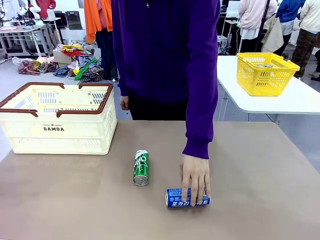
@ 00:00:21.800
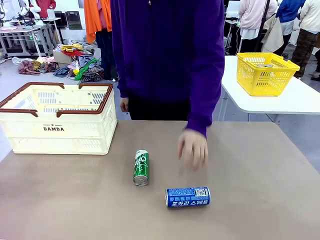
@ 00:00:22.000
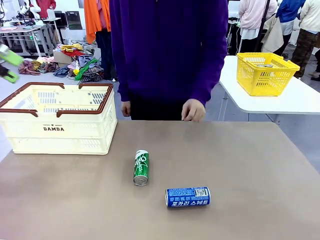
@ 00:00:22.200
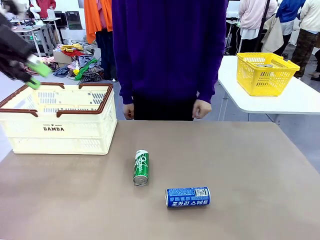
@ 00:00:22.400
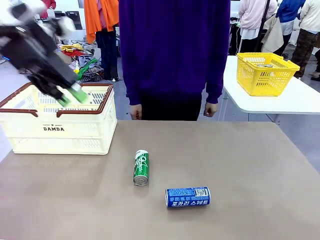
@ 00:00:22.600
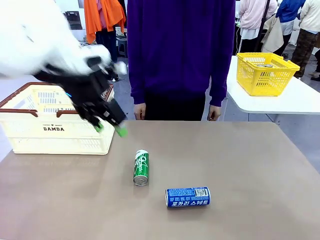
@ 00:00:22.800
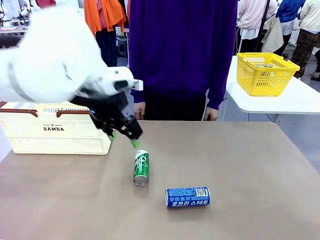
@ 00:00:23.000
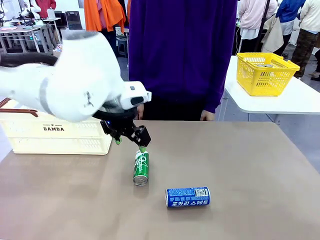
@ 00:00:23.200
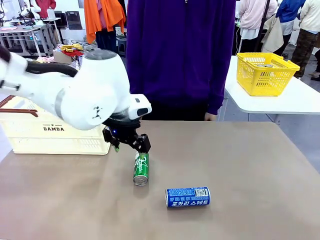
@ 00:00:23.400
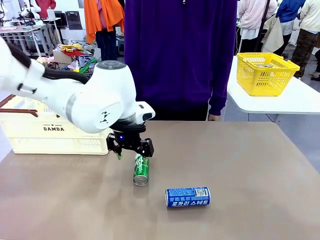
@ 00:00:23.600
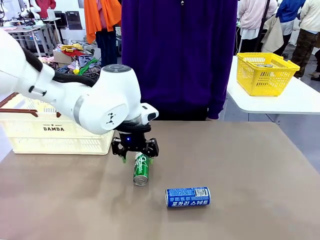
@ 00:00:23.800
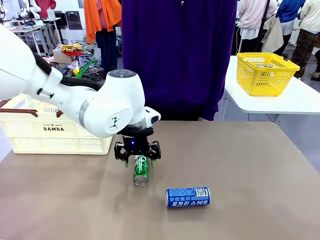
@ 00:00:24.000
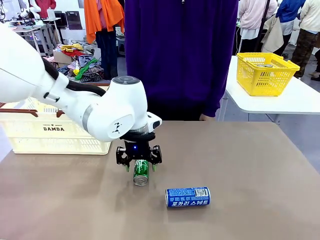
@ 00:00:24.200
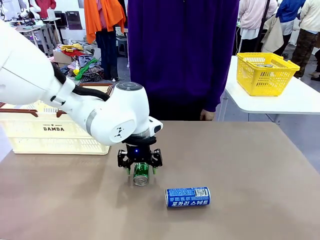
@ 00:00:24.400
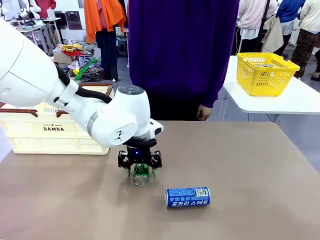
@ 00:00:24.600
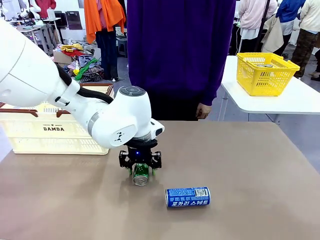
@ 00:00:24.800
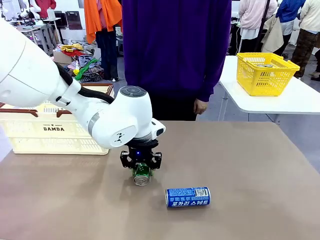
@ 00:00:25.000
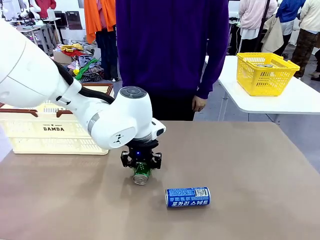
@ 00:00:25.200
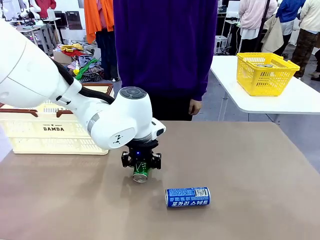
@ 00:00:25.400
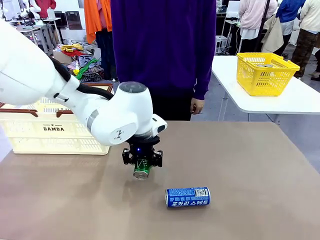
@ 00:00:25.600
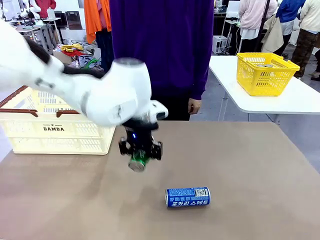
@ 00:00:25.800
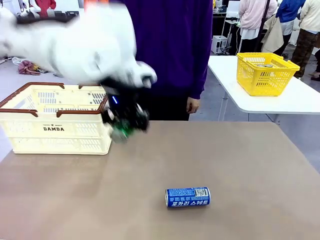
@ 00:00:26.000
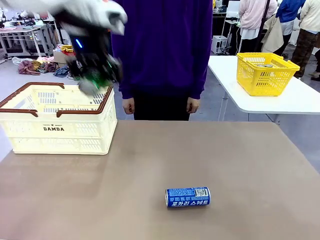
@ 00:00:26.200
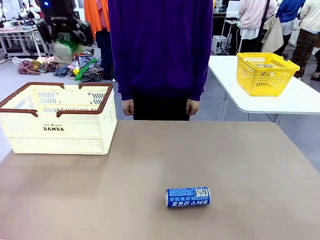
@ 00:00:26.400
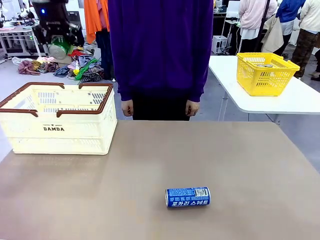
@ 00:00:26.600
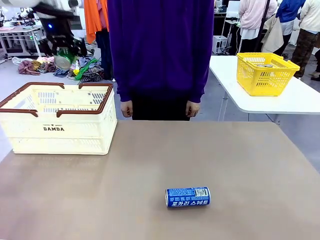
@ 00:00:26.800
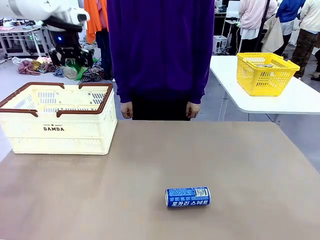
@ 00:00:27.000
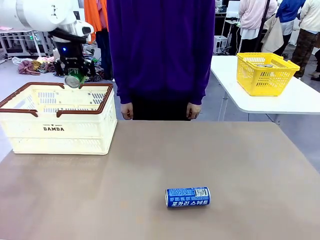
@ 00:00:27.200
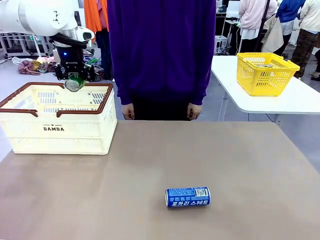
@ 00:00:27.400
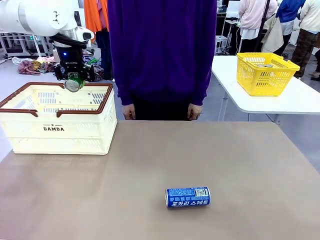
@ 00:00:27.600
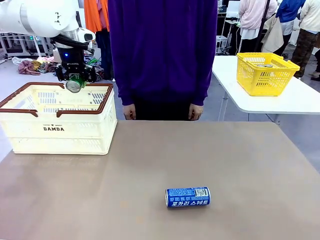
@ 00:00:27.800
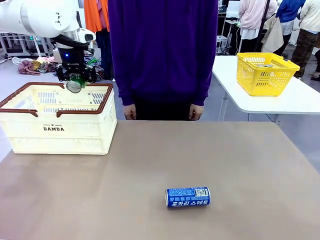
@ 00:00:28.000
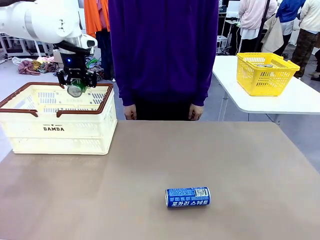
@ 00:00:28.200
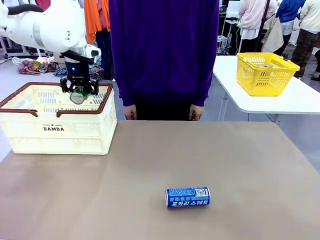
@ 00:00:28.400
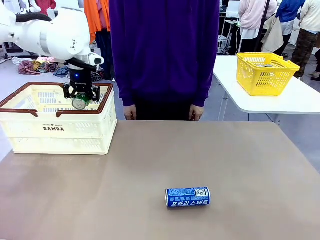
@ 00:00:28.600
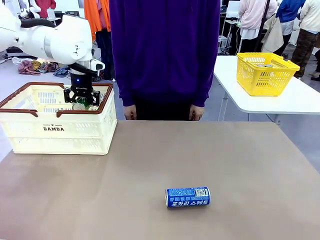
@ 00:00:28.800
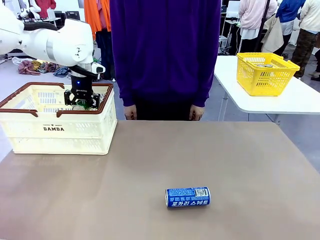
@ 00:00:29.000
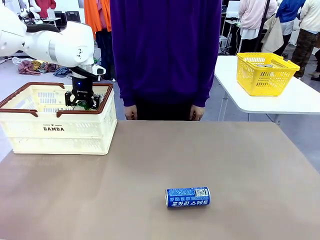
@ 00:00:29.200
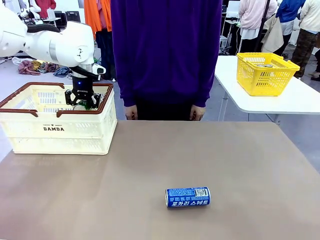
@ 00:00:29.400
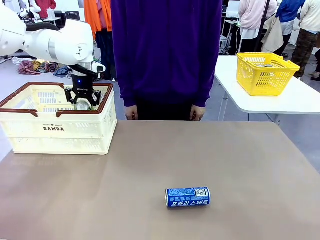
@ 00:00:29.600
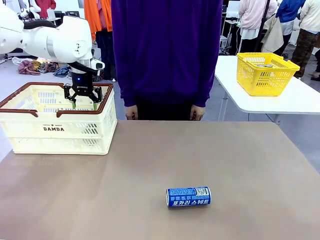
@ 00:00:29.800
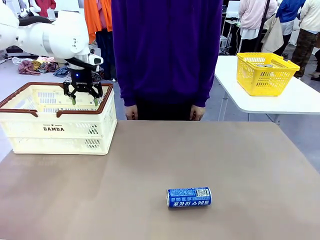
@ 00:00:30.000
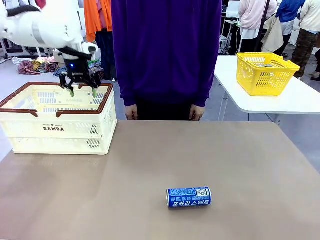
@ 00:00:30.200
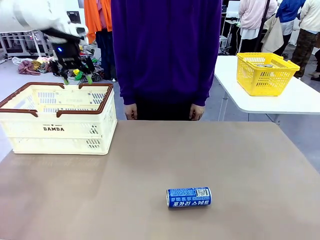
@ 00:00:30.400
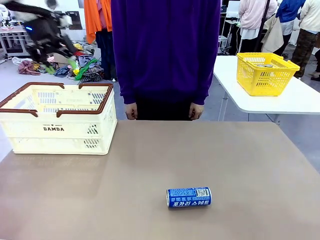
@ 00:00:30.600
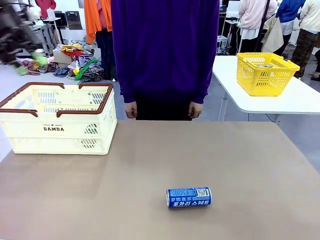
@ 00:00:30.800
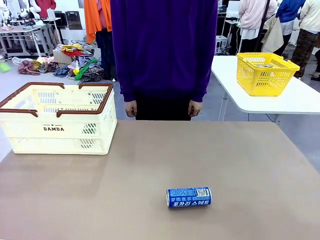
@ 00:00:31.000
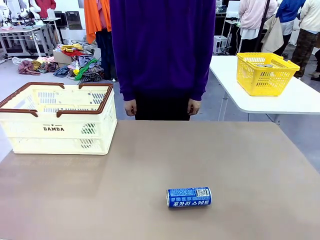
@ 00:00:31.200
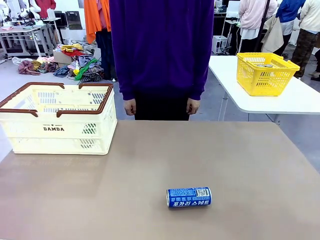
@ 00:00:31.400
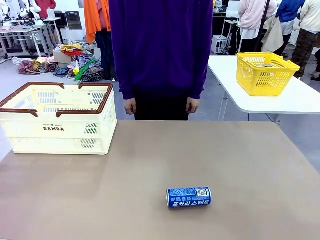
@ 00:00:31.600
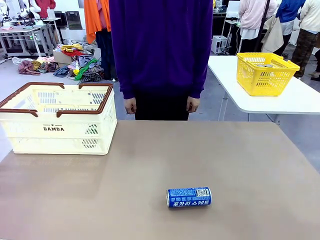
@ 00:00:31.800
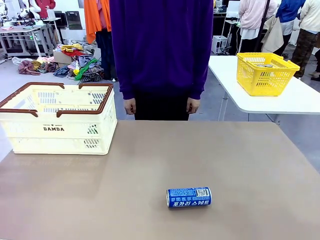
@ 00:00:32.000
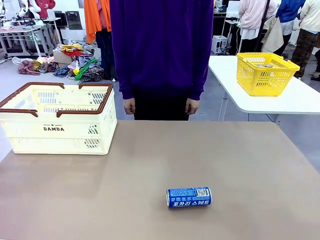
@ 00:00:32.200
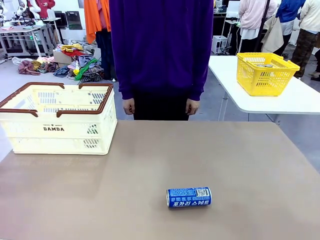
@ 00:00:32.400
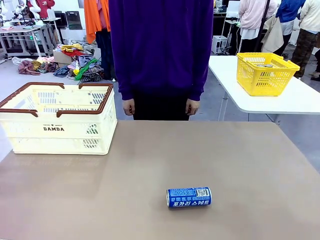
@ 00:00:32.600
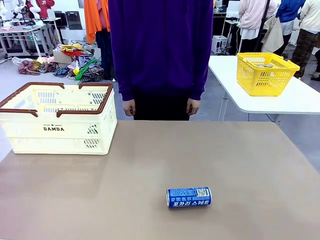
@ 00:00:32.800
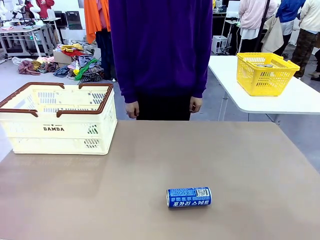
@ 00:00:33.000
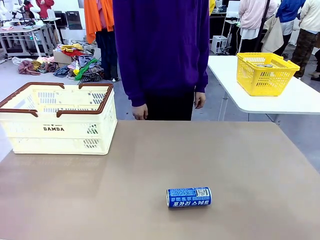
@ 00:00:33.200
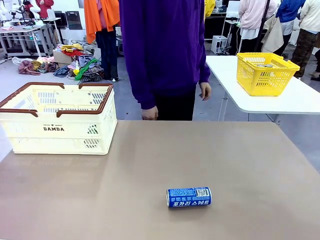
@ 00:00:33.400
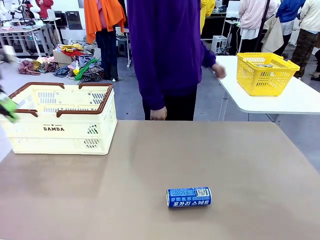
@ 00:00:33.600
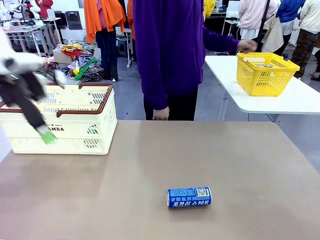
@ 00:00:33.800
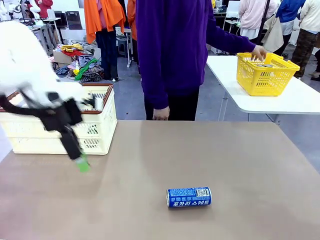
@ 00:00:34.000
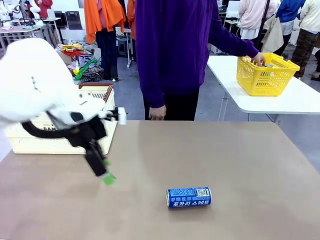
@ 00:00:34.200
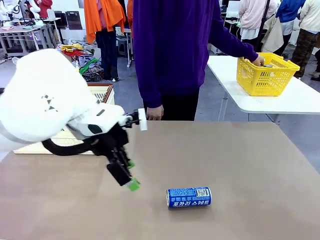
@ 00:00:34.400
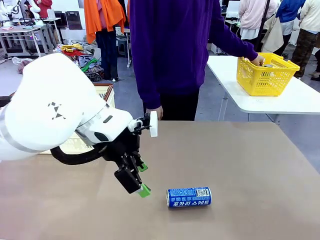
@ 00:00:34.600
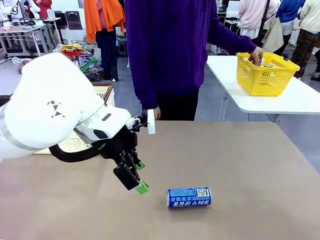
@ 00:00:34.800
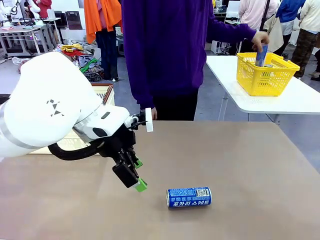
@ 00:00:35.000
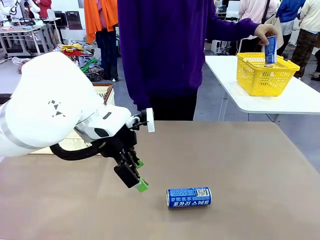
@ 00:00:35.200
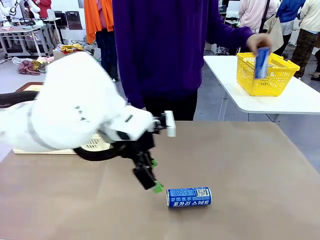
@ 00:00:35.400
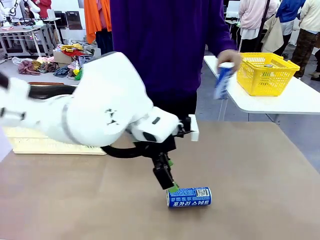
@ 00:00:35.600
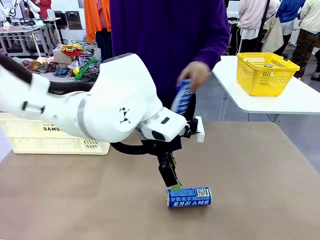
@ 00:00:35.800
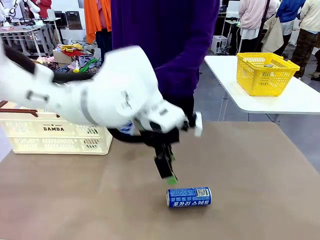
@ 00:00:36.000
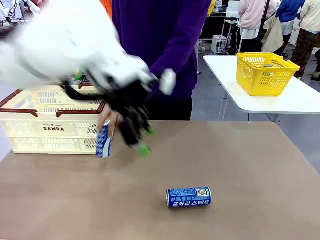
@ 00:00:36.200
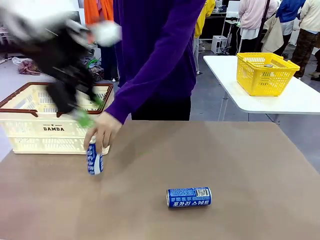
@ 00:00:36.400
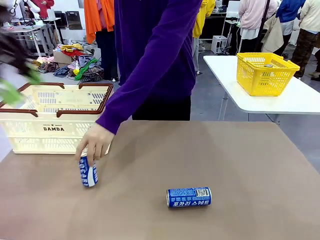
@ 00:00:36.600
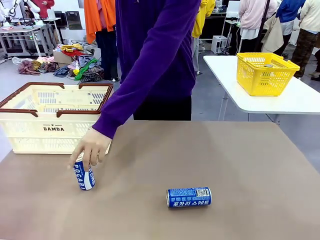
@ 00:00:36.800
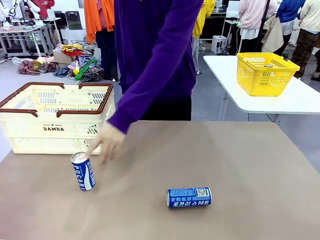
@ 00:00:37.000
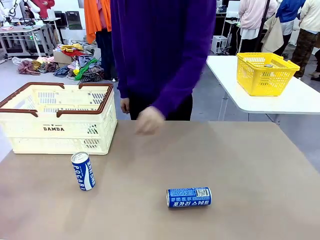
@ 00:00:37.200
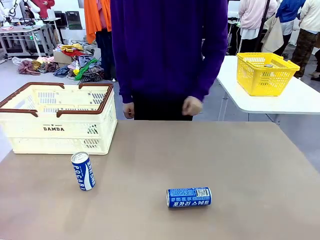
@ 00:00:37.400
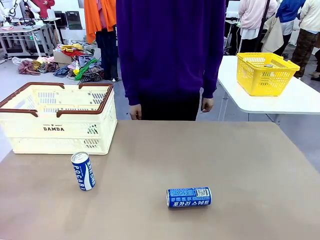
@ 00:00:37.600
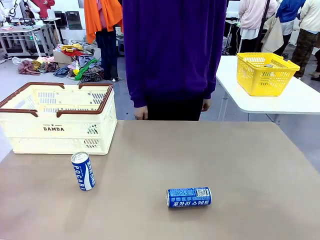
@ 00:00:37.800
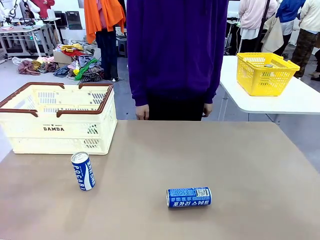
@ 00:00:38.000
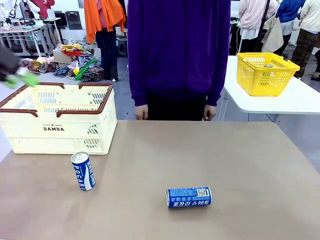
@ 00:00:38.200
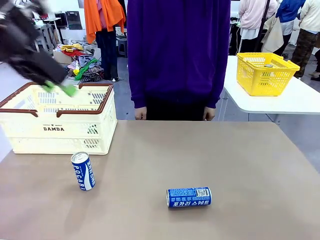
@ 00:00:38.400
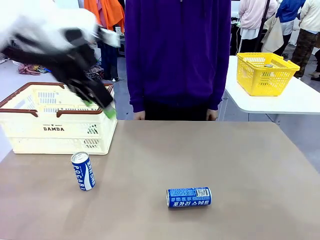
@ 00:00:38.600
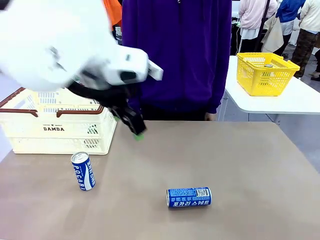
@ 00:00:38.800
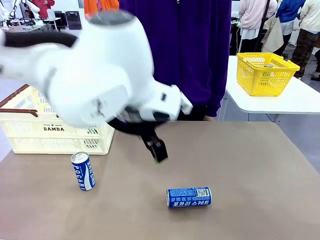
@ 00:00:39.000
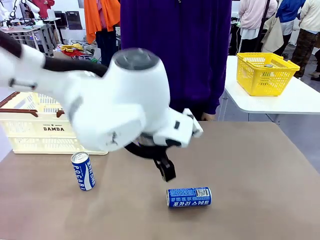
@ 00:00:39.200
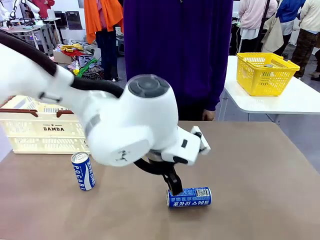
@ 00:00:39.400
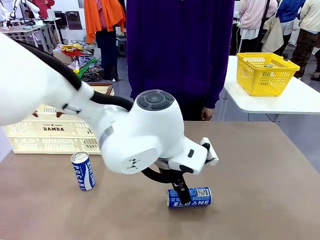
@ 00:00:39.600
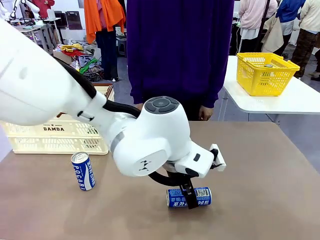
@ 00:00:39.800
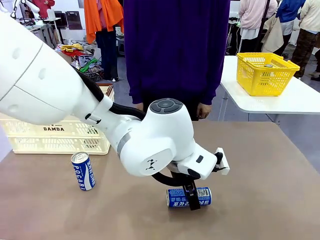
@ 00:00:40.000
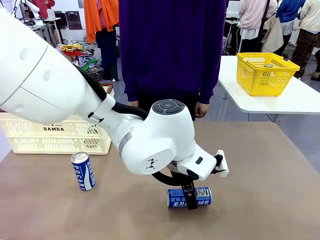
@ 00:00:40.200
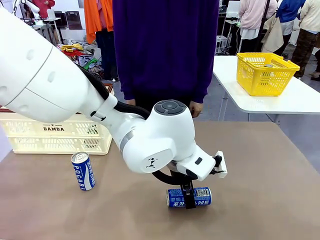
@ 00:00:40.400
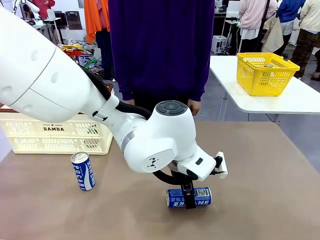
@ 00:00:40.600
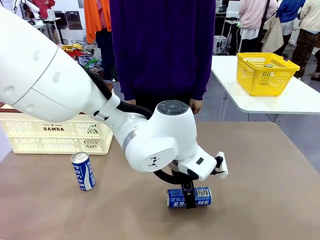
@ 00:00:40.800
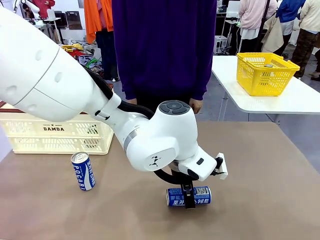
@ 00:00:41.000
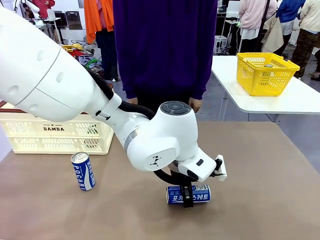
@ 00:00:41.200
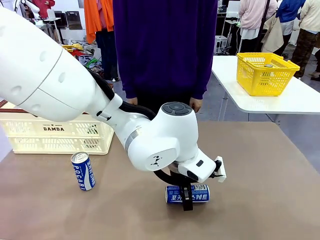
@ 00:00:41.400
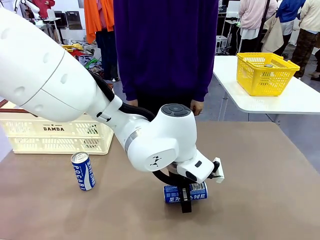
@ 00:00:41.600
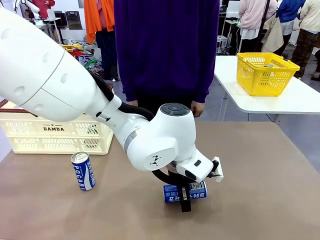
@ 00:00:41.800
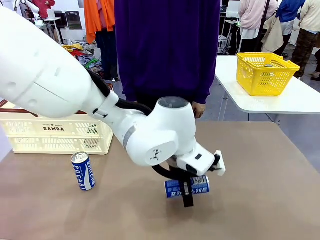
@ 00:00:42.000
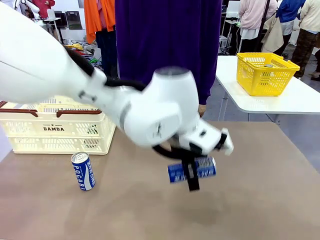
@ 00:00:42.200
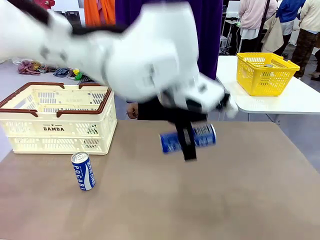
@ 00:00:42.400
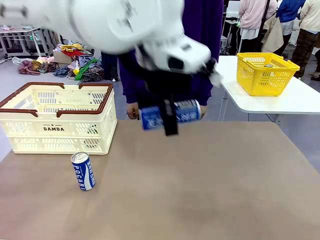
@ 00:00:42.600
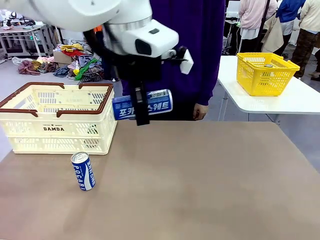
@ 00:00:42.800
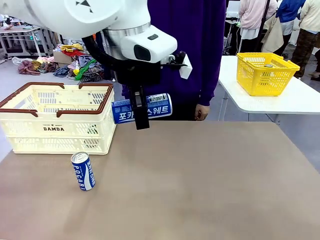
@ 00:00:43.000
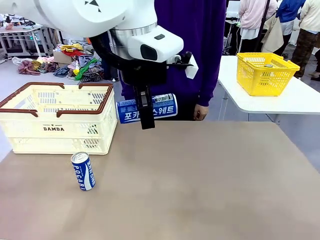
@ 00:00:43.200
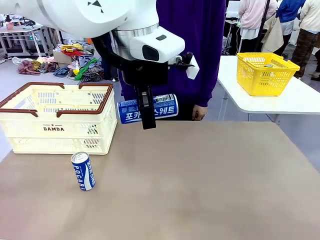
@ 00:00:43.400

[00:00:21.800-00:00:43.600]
Task: Place the drinks into the Shopping basket.
Robot: Pick up one drink and place it into the Shopping basket.
